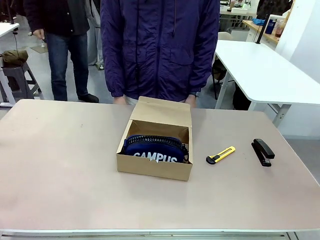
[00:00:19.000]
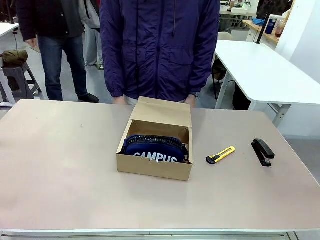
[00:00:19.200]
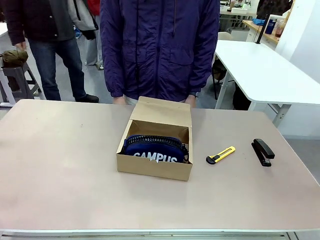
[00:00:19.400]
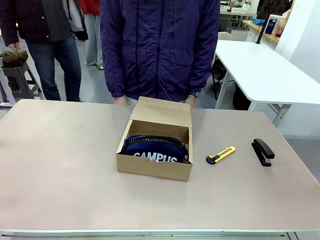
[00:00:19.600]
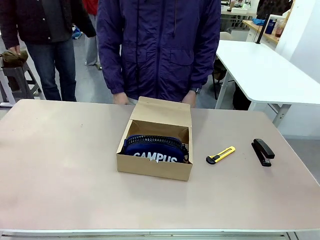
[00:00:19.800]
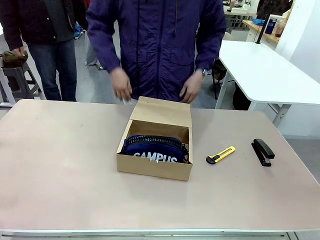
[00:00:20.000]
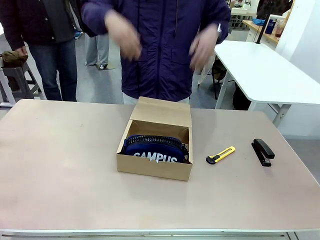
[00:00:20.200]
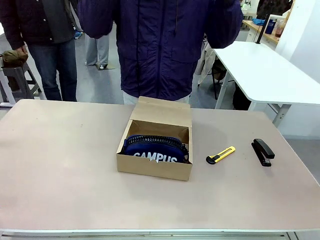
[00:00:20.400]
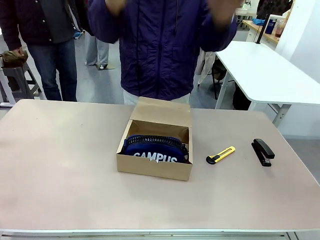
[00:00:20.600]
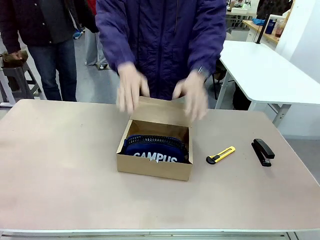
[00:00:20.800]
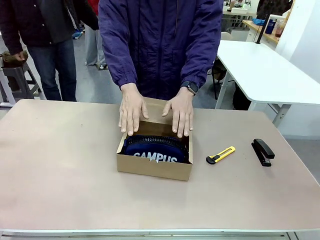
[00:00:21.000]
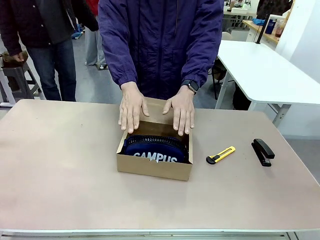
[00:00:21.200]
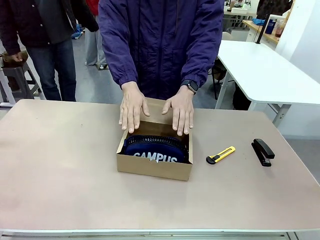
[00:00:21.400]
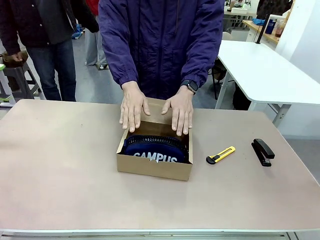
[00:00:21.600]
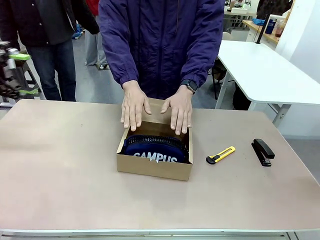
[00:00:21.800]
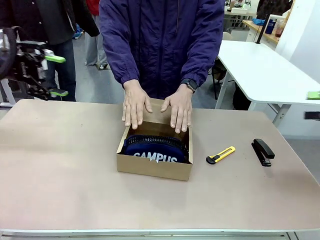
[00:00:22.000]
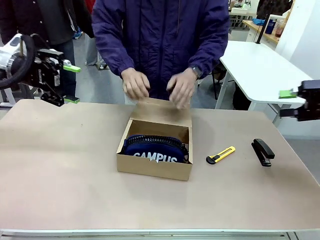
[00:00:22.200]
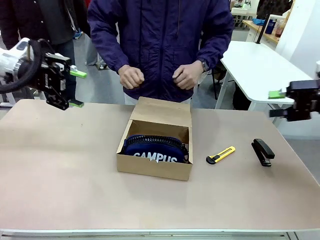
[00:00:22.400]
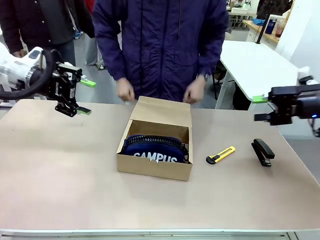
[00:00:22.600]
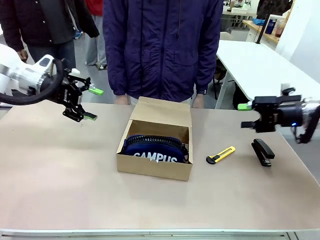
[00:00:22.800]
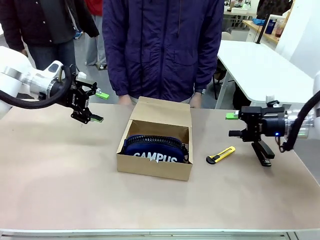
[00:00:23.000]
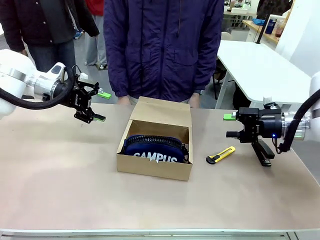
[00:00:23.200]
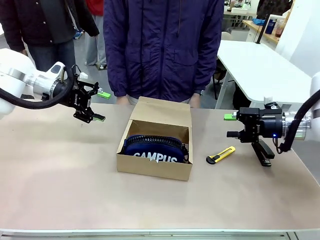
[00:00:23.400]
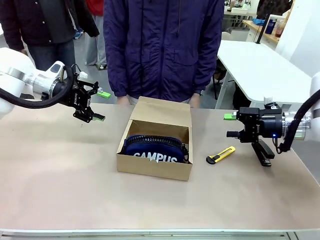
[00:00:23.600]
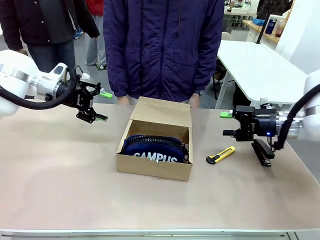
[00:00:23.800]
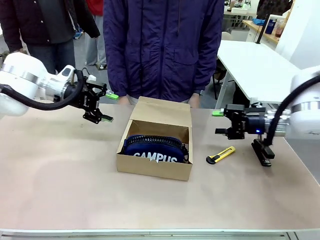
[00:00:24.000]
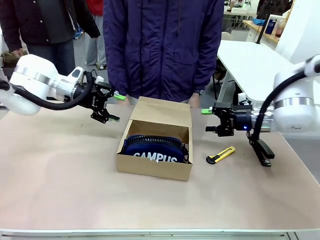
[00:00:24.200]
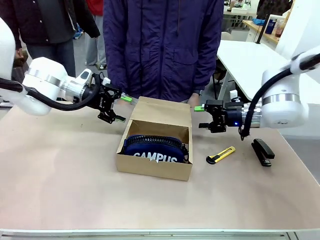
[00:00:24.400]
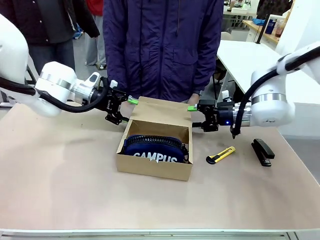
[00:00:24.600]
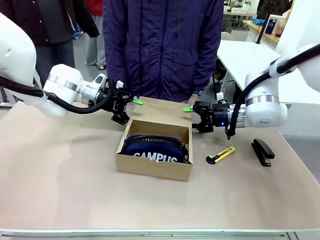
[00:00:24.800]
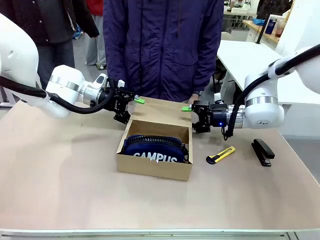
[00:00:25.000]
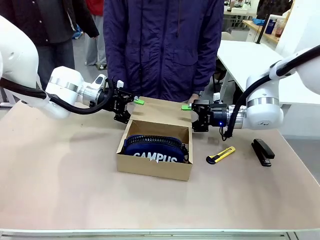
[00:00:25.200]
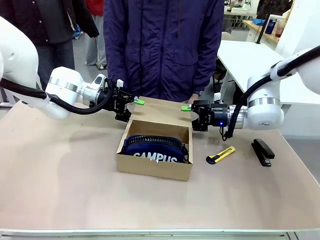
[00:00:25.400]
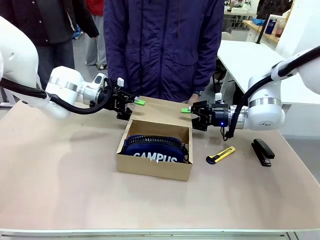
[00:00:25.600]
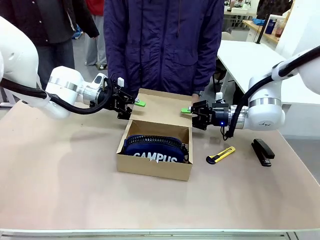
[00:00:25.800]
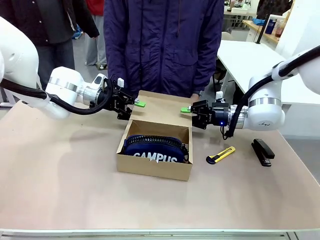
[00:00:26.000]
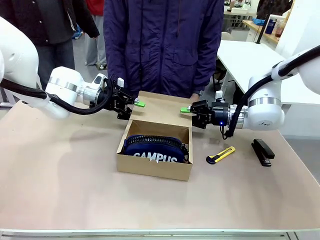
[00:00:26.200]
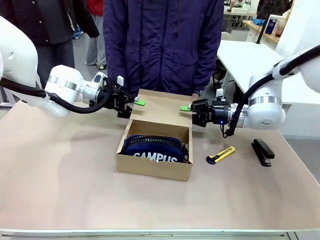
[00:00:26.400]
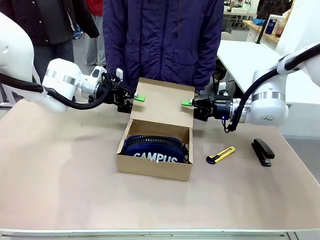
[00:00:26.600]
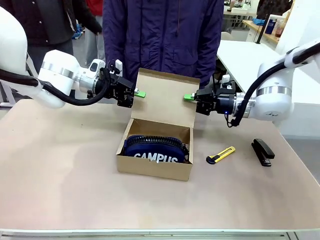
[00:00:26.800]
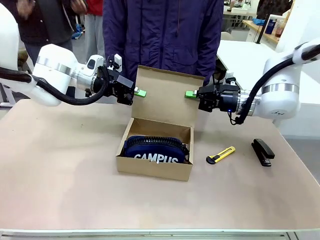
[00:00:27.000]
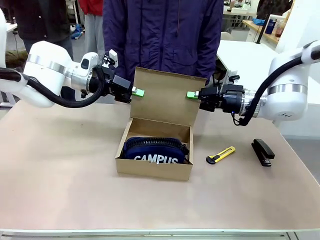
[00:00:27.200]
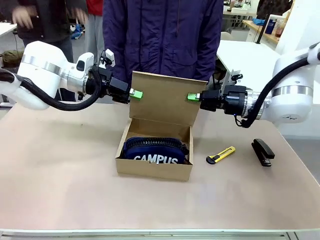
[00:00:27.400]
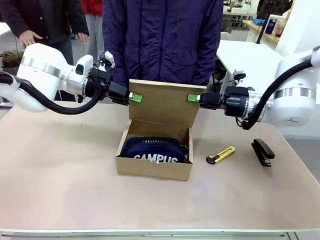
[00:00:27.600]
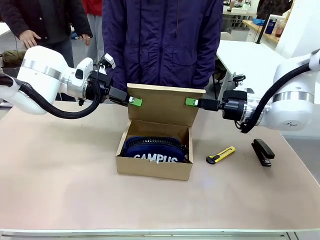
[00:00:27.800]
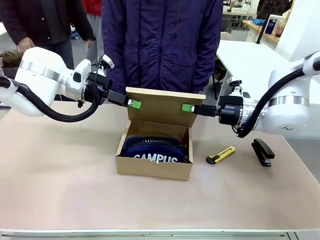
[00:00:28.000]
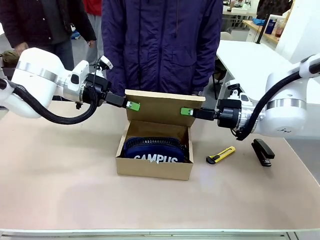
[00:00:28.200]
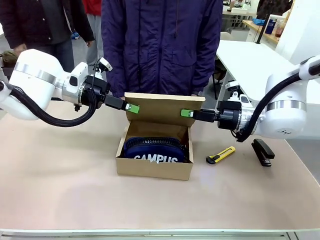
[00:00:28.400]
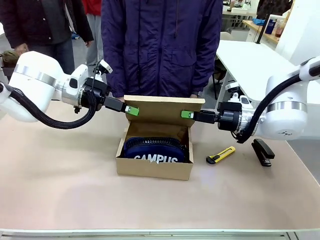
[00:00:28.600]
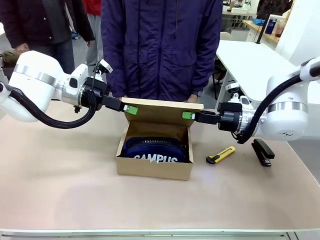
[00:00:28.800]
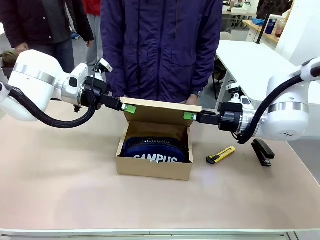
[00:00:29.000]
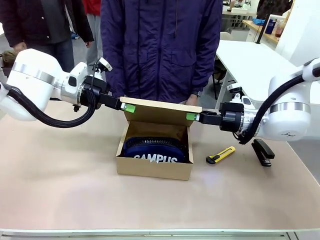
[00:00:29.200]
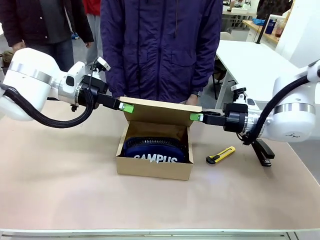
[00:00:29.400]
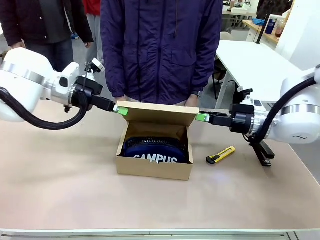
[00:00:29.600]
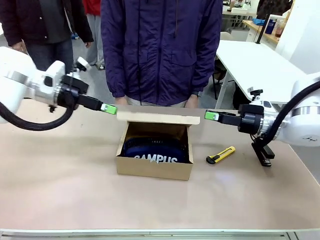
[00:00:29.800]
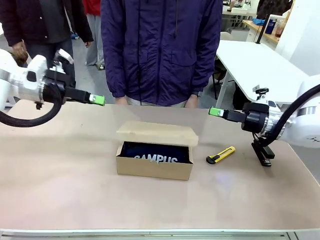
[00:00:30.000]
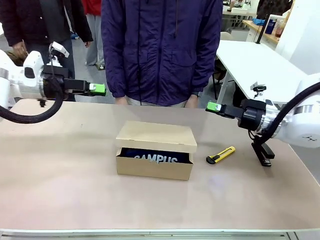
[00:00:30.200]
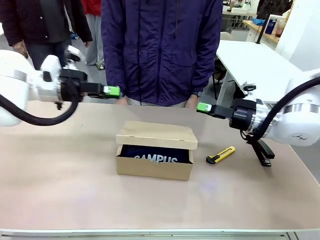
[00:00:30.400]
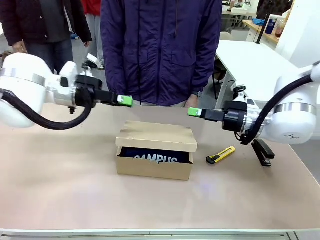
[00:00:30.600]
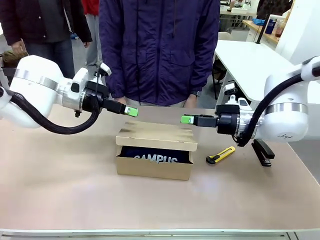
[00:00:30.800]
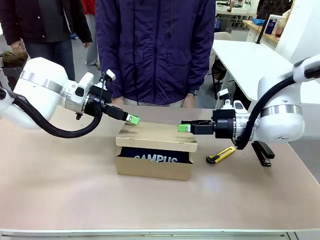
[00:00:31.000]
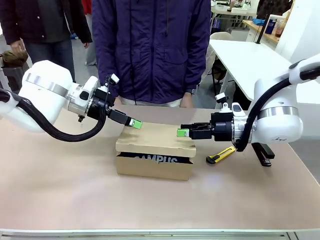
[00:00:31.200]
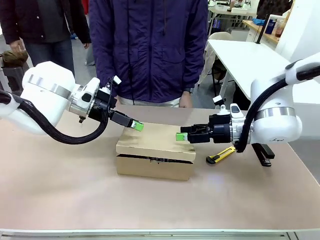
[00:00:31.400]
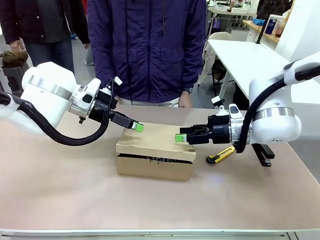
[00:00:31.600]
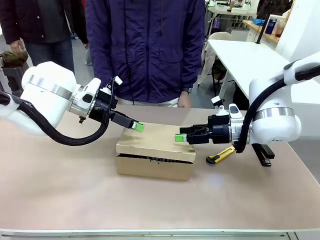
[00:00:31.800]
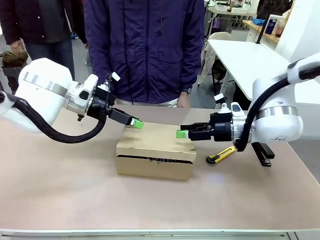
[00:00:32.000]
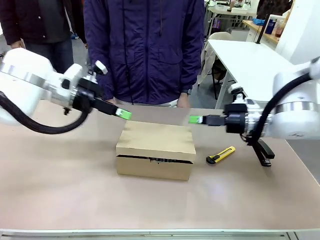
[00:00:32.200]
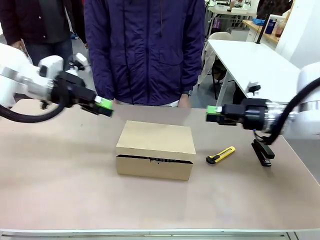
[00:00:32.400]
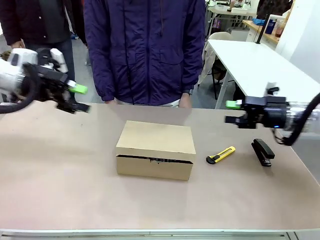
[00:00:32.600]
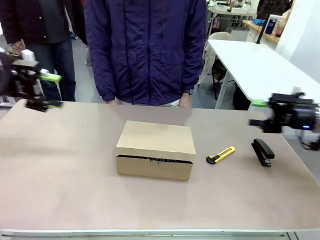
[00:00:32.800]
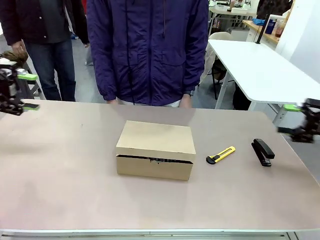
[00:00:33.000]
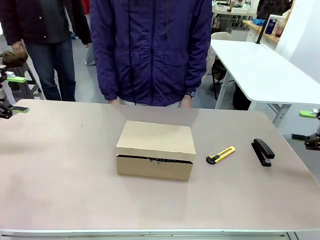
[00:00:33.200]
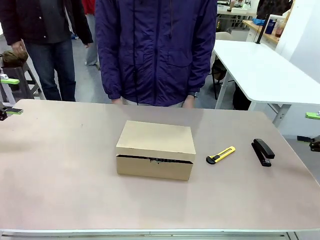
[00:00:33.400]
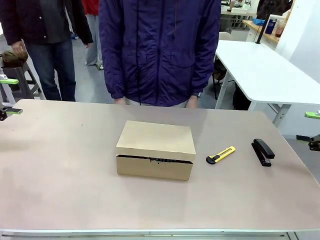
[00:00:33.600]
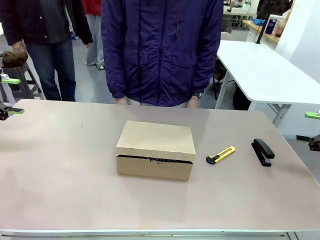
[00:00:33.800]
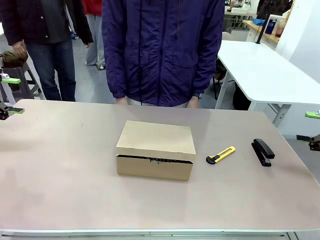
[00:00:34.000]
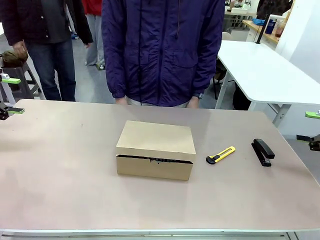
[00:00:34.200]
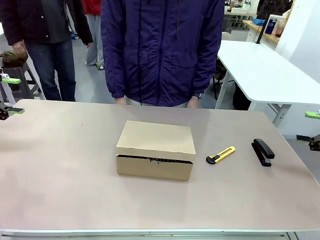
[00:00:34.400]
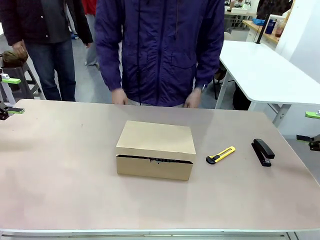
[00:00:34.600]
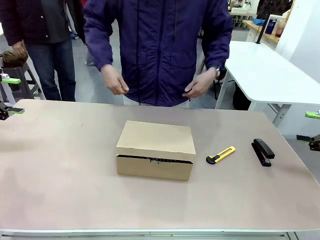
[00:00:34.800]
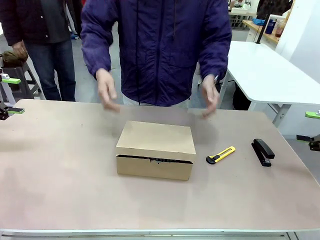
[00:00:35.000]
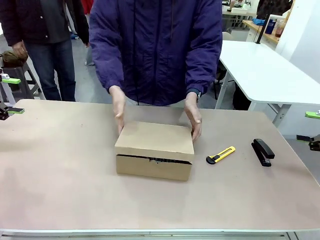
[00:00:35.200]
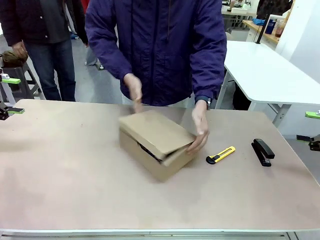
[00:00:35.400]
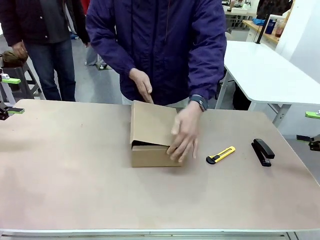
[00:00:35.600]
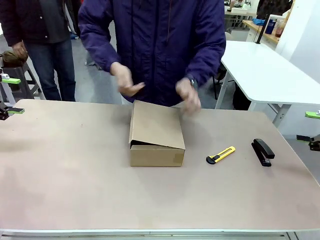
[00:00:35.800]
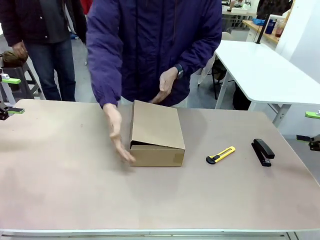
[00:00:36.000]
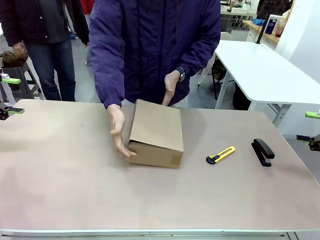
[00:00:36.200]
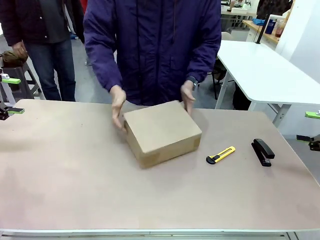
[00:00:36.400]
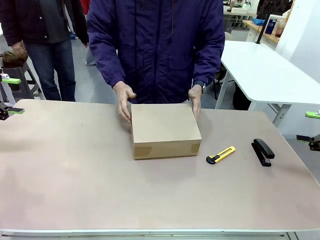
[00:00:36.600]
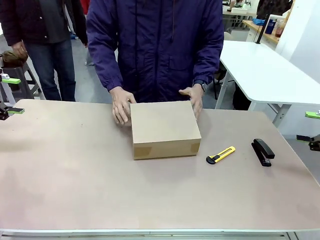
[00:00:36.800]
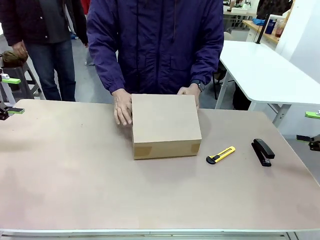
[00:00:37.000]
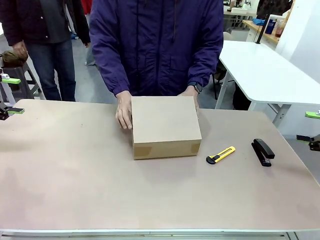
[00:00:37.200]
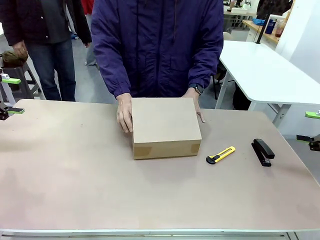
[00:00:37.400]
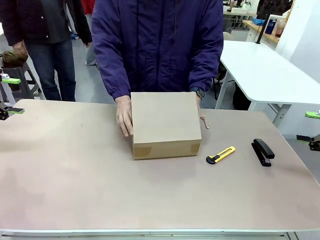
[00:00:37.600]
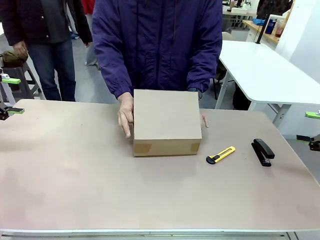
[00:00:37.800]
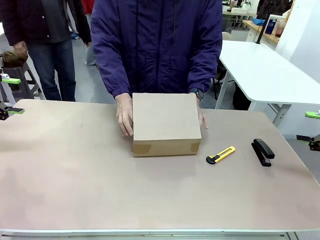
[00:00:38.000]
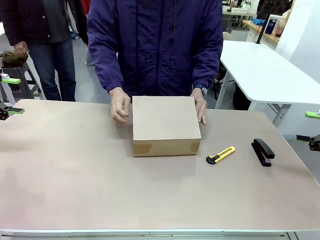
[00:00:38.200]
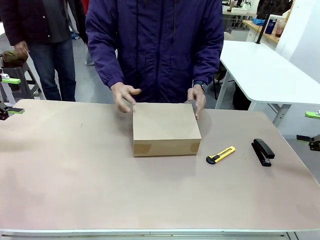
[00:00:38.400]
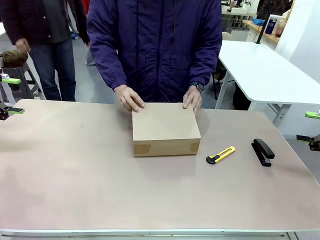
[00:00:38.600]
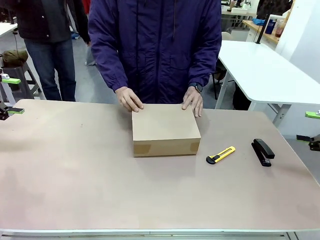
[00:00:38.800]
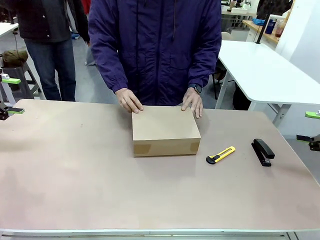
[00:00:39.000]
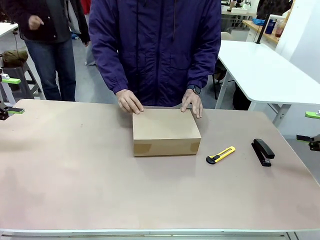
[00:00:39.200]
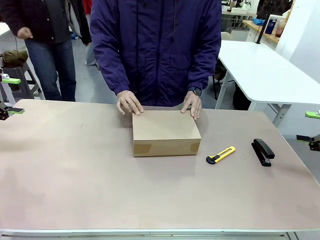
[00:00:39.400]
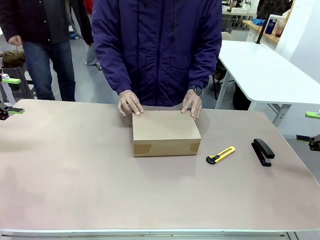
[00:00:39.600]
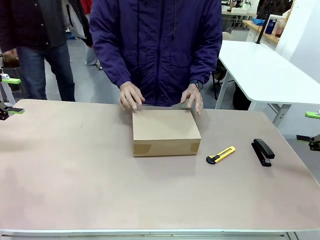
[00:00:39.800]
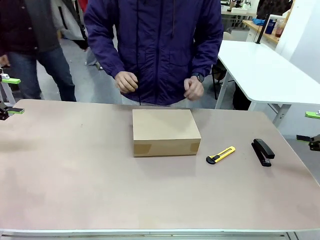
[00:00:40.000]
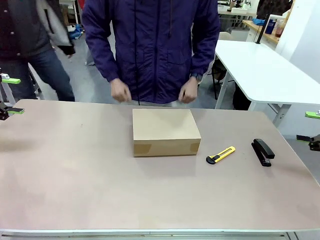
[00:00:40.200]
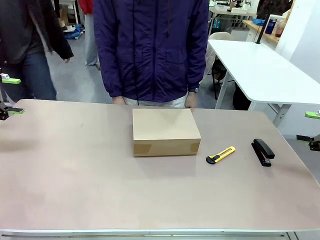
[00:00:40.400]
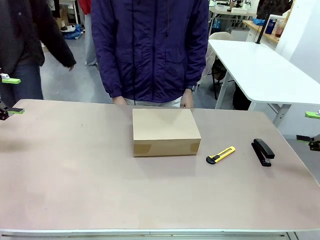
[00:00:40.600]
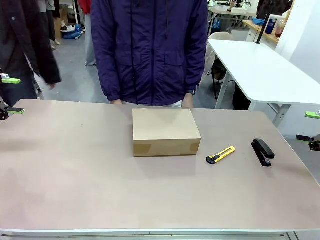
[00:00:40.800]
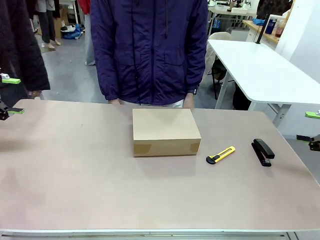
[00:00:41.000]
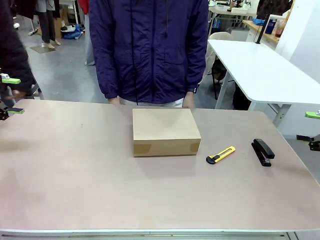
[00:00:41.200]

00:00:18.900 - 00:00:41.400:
Task: Pack the item into the box.
Robot: Close the Mailer Box.
Person: Lower both hands vertically with palms facing downward, as if pressing something closed. Turn the box and lock it.
